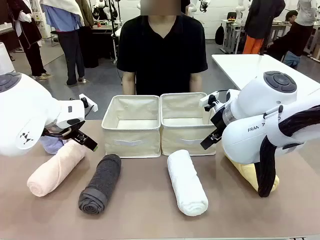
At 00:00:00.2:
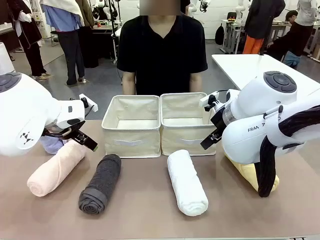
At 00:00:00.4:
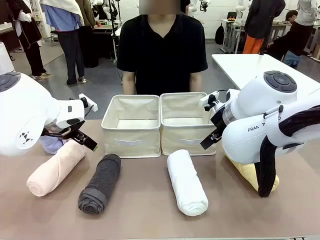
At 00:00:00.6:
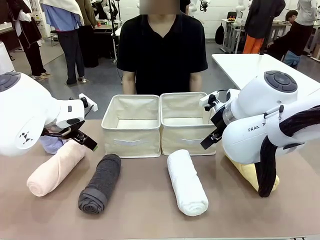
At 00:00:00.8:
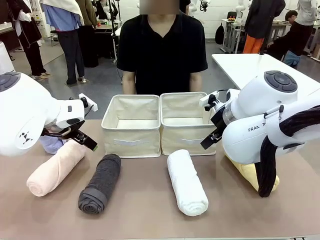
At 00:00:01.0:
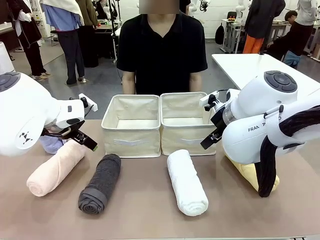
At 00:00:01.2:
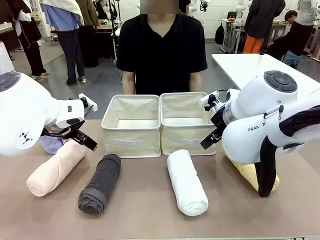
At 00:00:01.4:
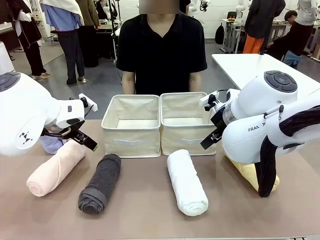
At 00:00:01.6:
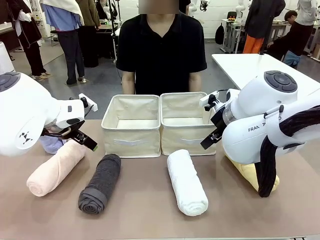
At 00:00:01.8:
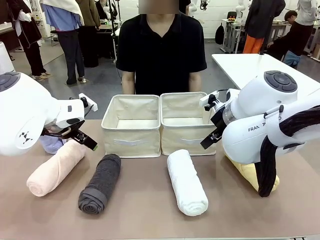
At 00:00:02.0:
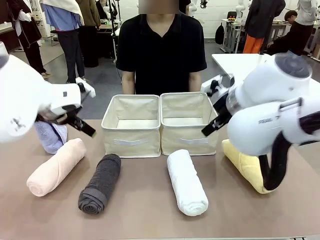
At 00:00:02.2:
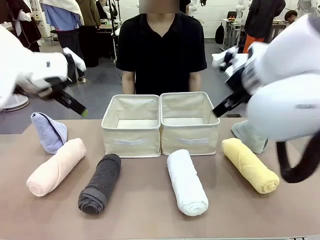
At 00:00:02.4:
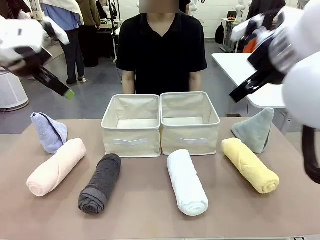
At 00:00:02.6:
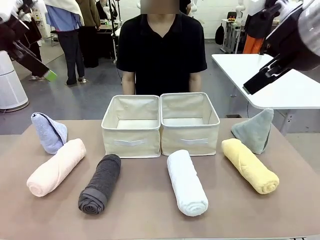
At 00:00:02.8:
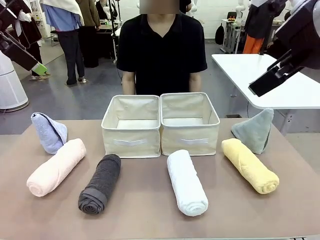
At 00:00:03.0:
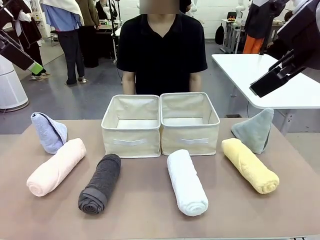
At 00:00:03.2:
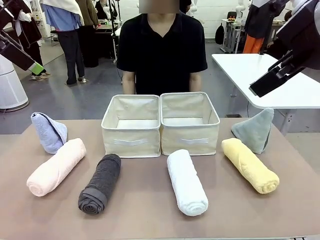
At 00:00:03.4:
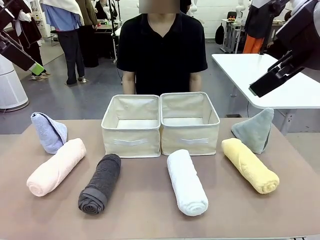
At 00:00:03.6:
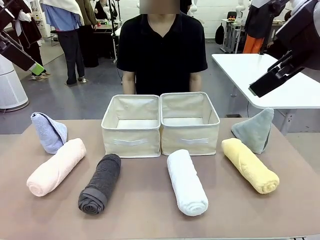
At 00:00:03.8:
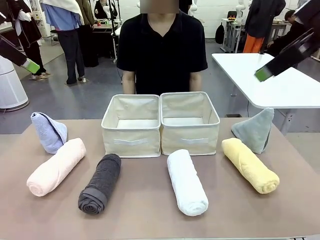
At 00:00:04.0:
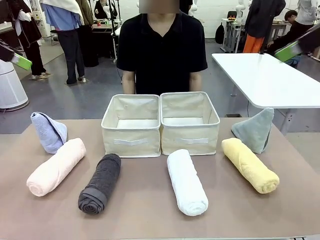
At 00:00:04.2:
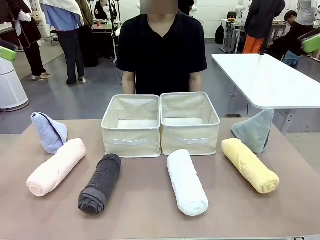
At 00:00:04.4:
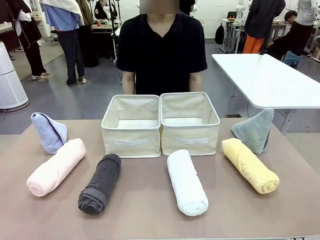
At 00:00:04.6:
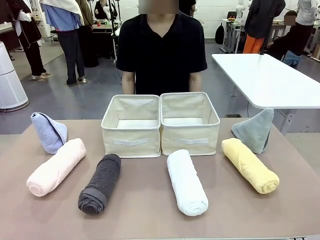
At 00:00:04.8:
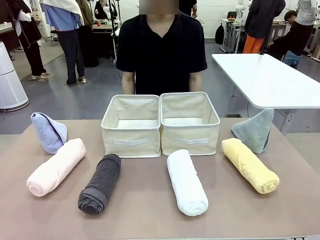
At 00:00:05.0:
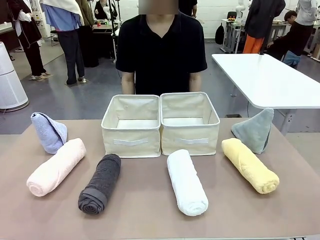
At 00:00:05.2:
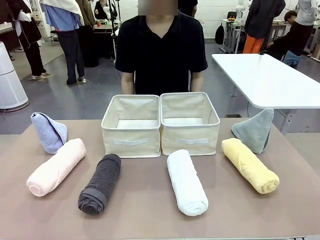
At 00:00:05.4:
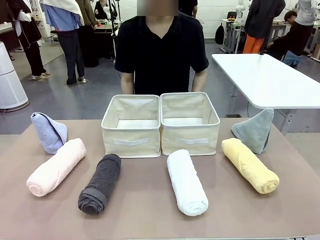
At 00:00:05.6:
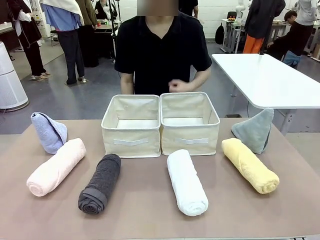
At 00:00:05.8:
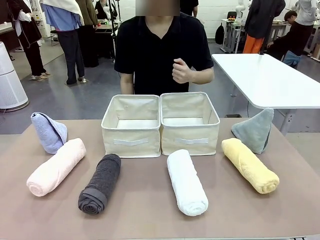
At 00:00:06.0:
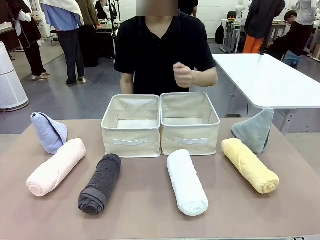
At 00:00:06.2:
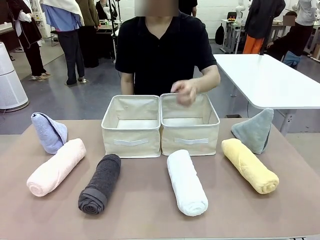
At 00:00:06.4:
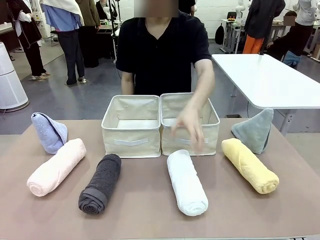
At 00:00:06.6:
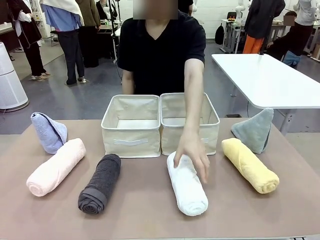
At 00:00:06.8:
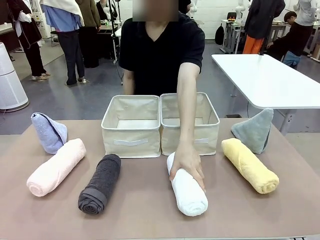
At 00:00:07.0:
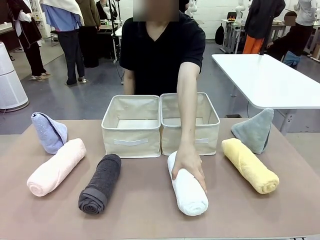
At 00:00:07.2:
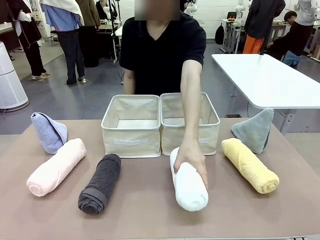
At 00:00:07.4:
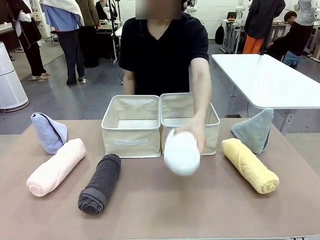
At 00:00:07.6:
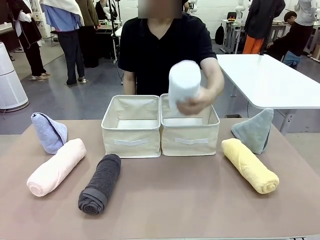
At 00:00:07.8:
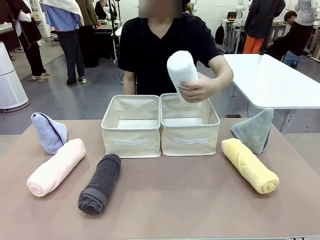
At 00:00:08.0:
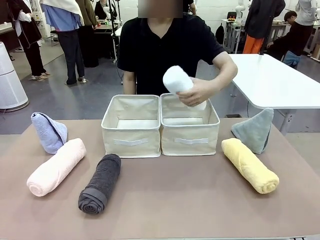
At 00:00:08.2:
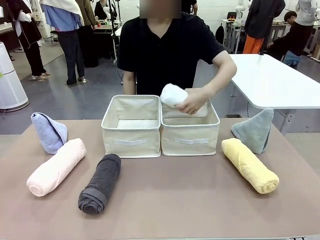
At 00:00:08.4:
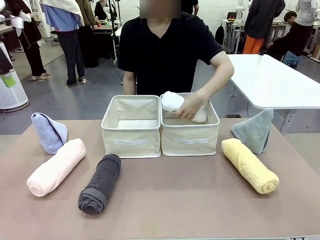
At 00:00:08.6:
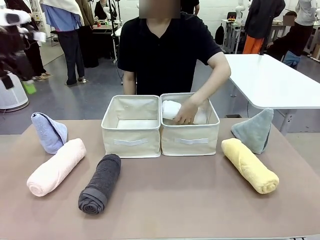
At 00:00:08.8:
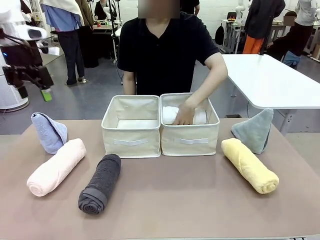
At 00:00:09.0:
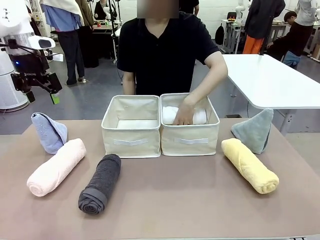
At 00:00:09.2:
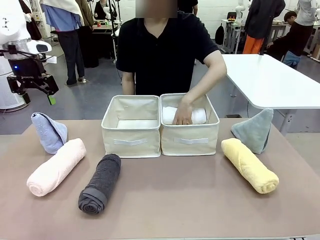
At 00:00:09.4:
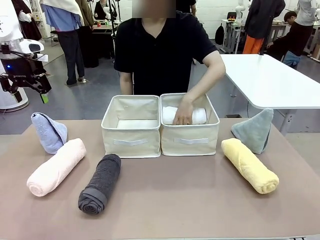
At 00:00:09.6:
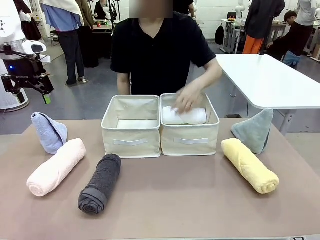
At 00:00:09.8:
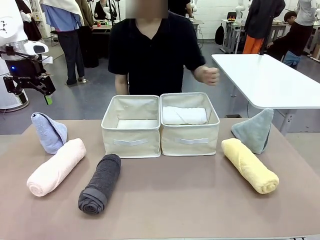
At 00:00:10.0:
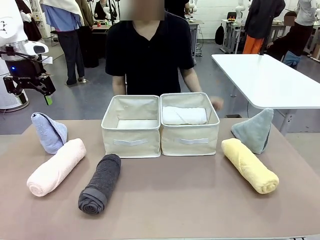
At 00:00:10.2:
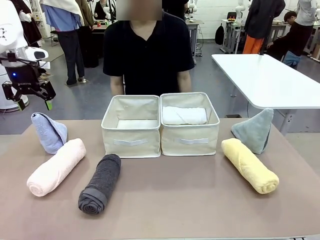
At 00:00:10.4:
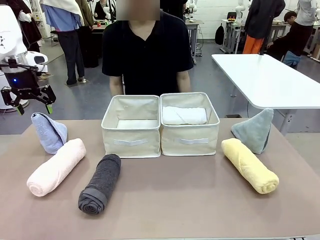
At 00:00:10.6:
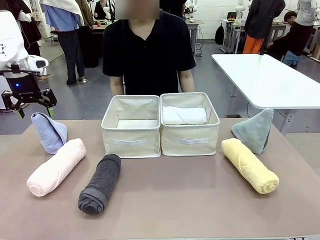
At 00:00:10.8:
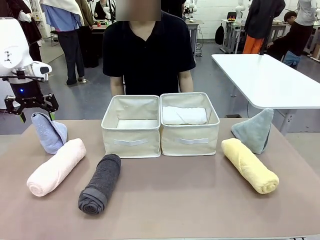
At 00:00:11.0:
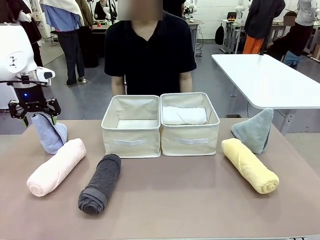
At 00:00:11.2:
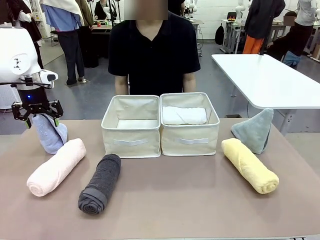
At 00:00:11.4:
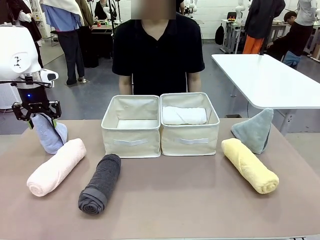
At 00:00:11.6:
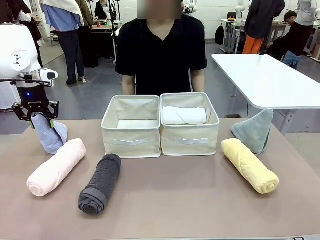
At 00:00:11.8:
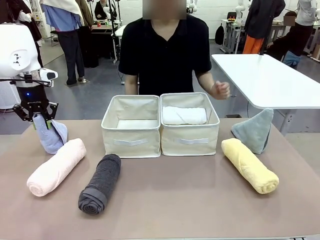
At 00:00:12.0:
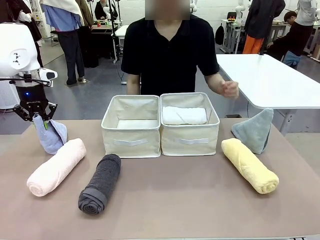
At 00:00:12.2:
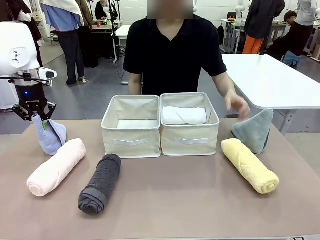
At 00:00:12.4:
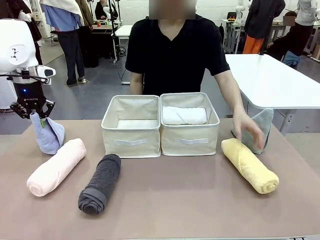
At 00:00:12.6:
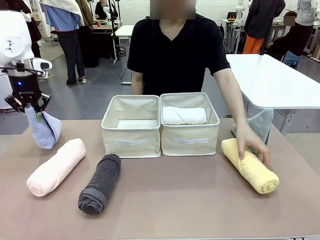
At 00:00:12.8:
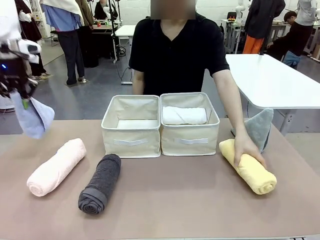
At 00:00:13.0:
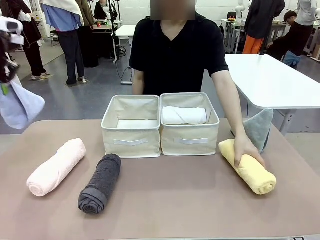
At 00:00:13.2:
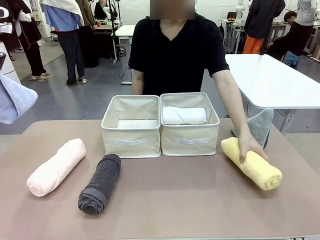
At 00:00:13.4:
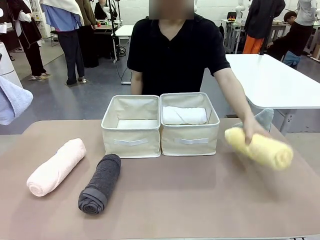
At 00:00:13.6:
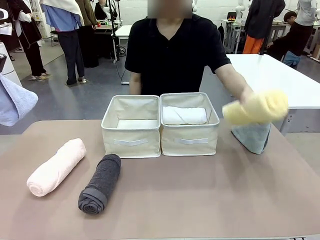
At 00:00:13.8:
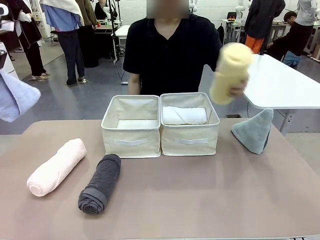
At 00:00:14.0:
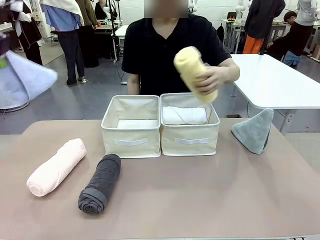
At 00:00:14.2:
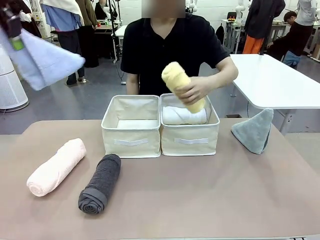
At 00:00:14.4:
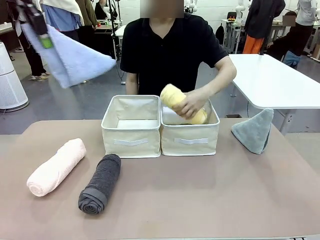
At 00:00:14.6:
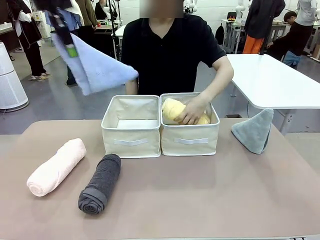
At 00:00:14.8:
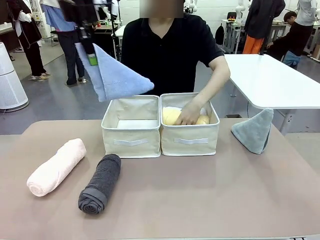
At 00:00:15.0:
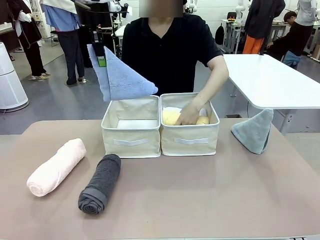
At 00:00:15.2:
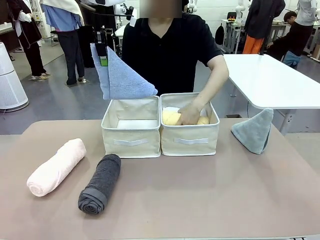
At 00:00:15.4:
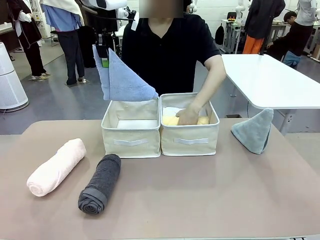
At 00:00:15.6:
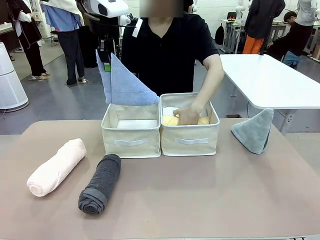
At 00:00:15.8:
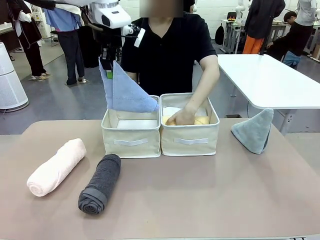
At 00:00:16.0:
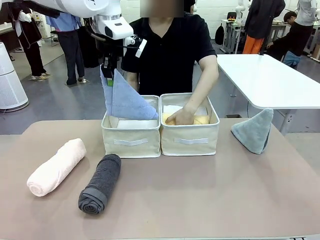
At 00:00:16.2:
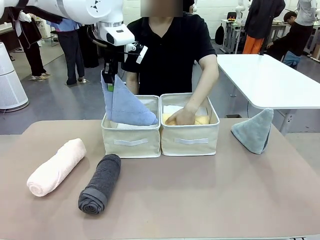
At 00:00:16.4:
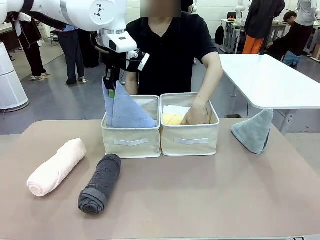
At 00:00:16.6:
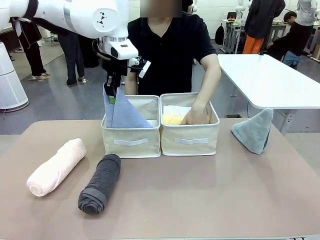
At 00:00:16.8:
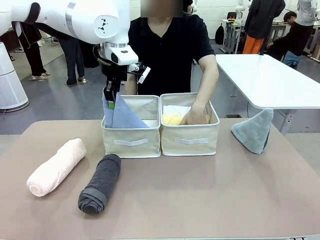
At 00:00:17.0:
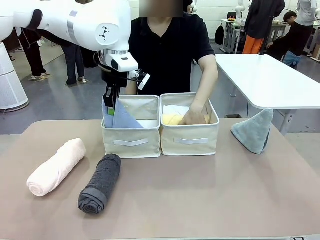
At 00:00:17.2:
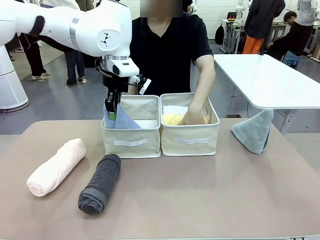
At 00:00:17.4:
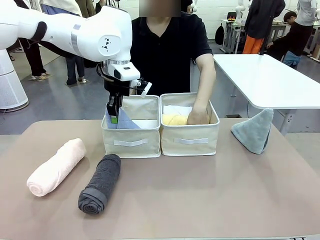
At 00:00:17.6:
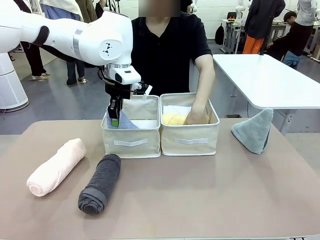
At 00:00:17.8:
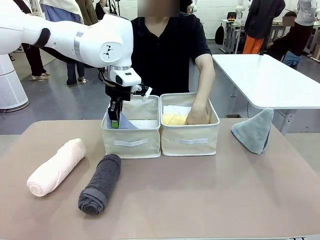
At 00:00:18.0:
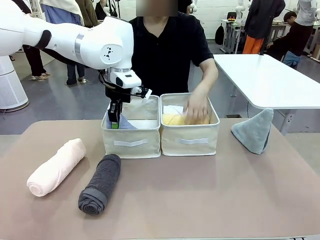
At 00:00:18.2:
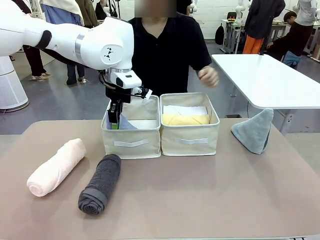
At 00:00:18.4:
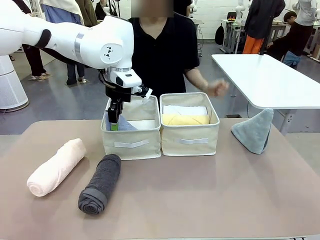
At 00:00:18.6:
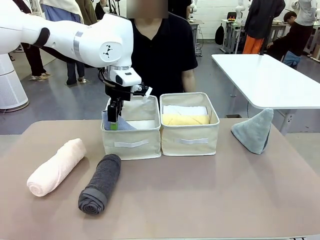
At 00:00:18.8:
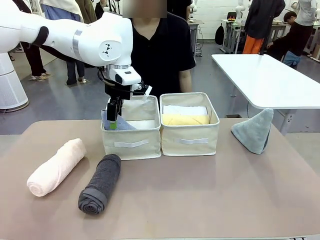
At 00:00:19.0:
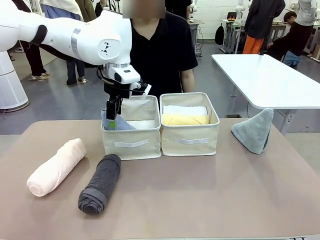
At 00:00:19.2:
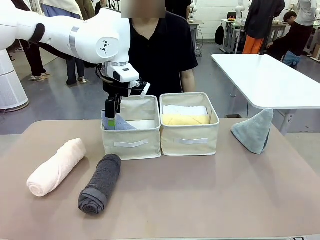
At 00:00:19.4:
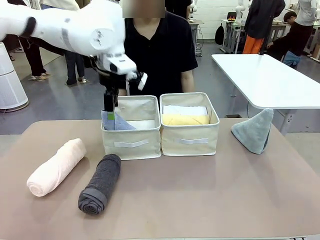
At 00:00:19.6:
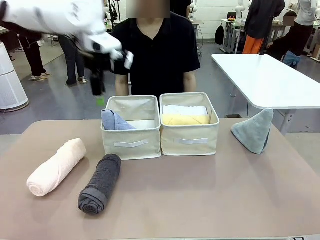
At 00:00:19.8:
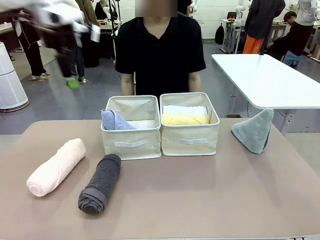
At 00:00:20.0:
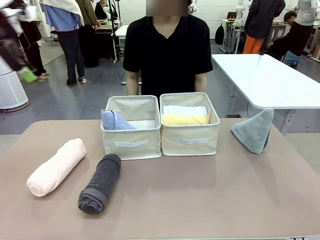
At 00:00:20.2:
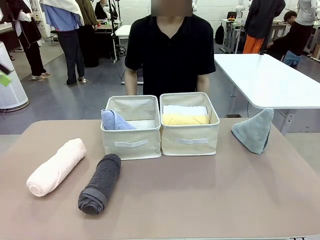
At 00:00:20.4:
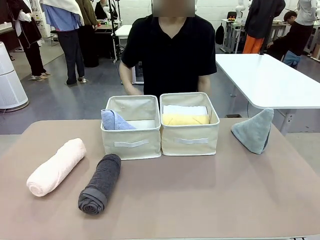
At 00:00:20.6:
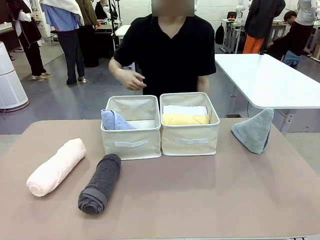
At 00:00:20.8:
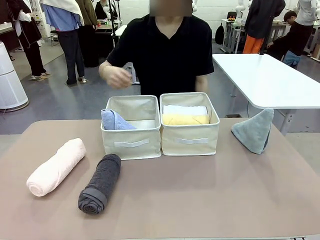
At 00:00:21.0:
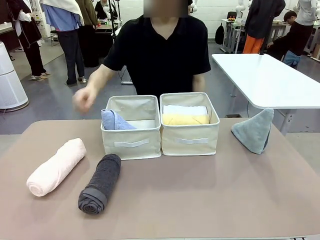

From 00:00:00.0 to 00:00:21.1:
Task: Sort the towels based on their folding style.
Robot: Pick up one triangle-folded towel and place it in the left Fabric basket.
Person: Pick up one hotel-style rolled towel and place it in the left fabric basket.
